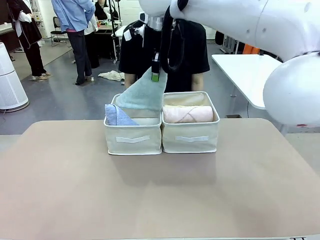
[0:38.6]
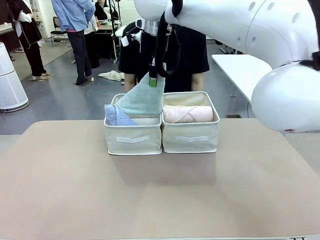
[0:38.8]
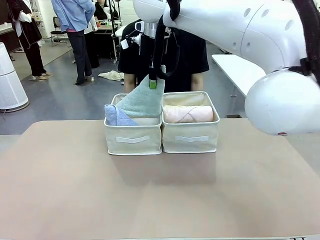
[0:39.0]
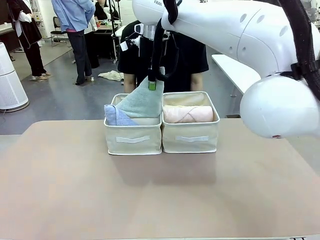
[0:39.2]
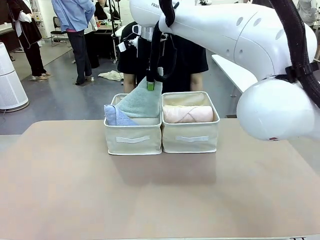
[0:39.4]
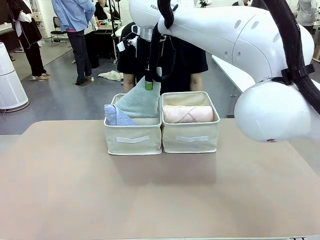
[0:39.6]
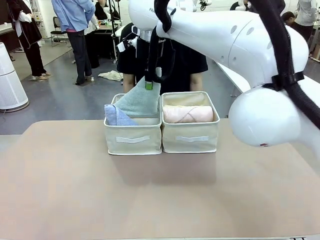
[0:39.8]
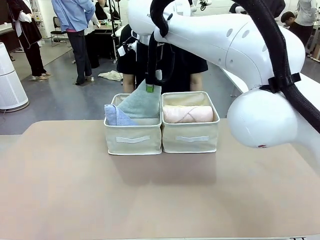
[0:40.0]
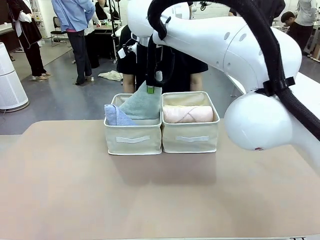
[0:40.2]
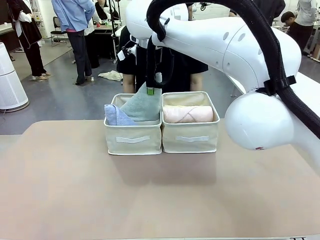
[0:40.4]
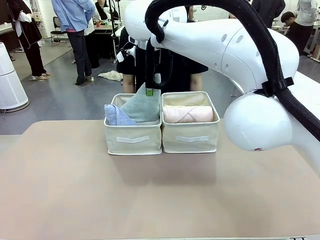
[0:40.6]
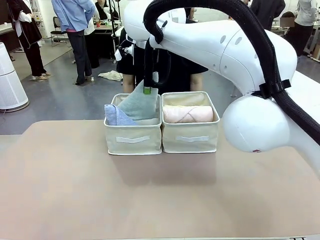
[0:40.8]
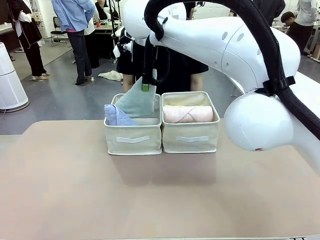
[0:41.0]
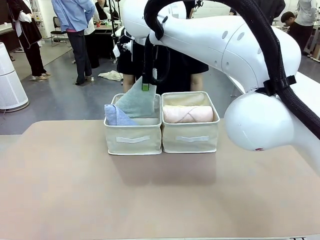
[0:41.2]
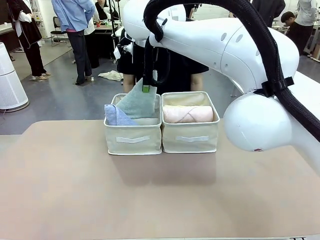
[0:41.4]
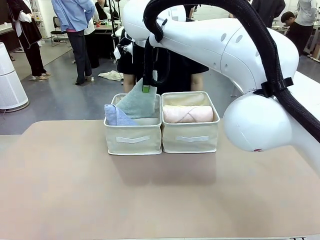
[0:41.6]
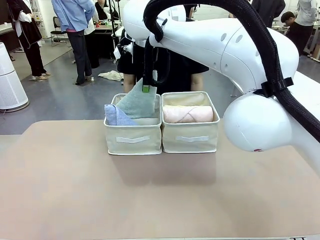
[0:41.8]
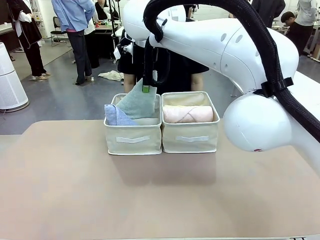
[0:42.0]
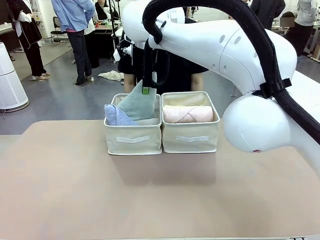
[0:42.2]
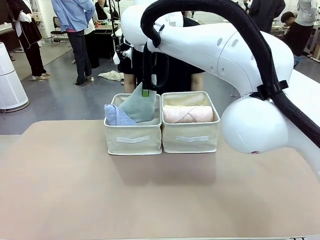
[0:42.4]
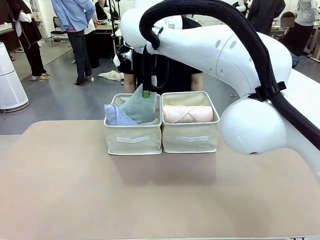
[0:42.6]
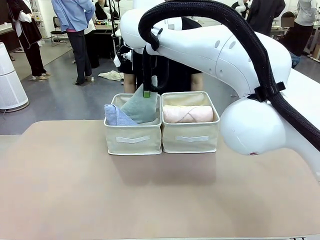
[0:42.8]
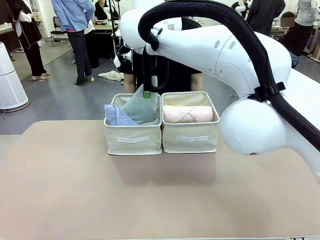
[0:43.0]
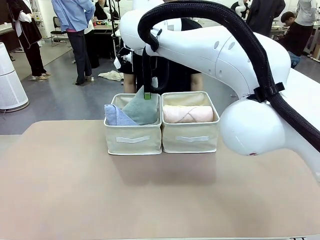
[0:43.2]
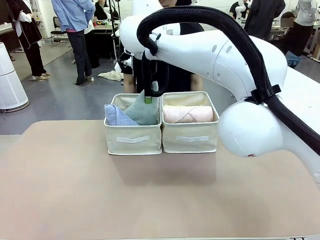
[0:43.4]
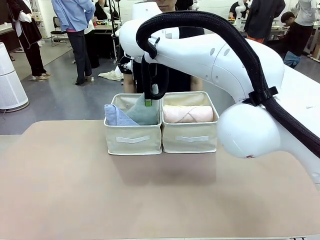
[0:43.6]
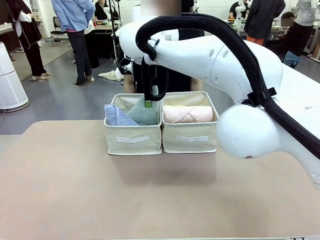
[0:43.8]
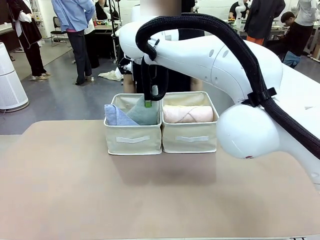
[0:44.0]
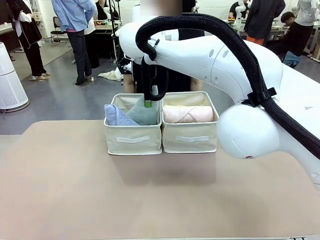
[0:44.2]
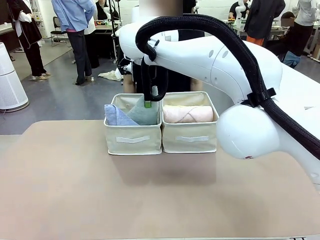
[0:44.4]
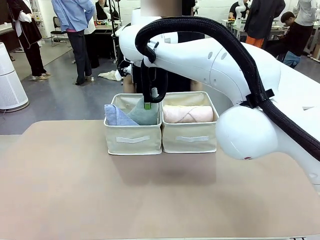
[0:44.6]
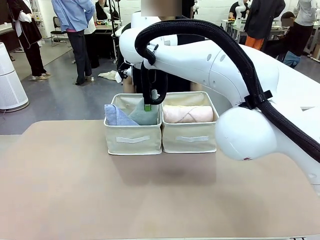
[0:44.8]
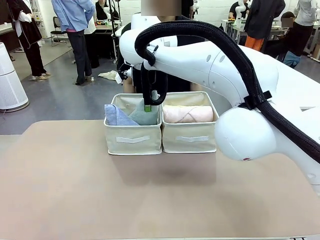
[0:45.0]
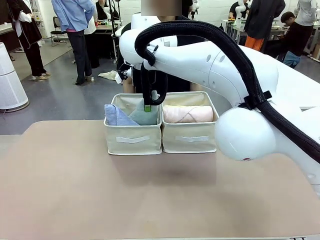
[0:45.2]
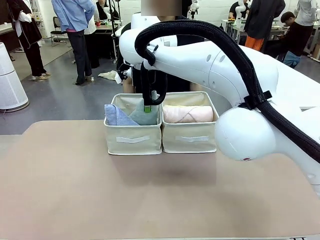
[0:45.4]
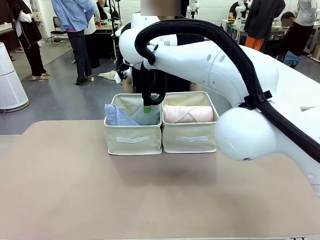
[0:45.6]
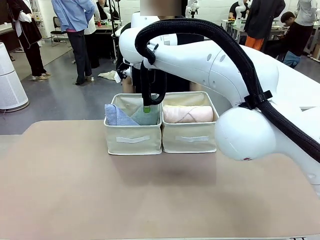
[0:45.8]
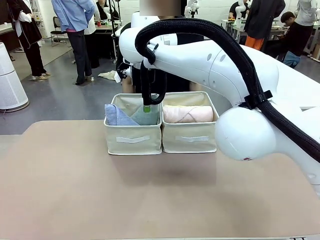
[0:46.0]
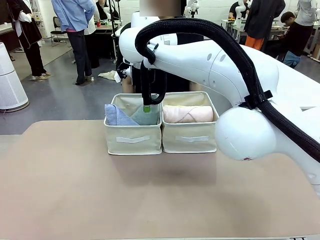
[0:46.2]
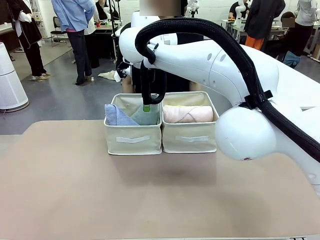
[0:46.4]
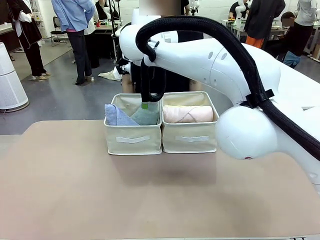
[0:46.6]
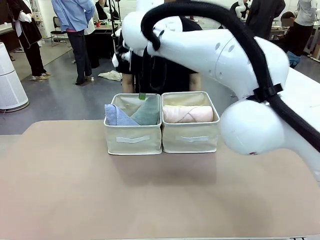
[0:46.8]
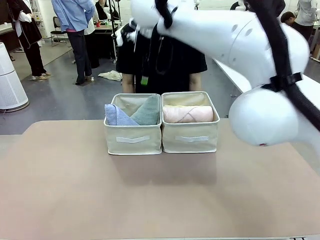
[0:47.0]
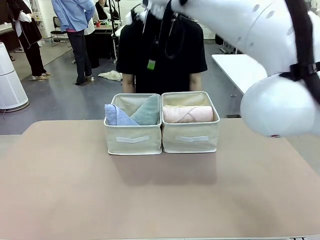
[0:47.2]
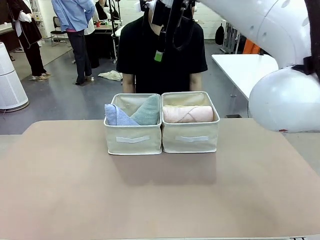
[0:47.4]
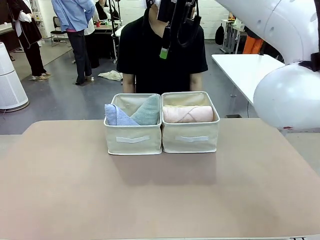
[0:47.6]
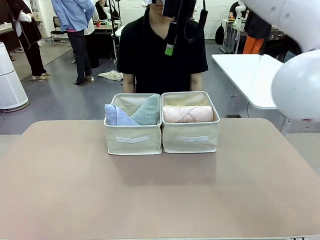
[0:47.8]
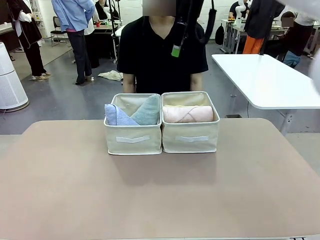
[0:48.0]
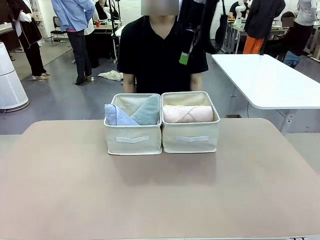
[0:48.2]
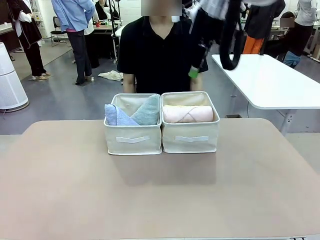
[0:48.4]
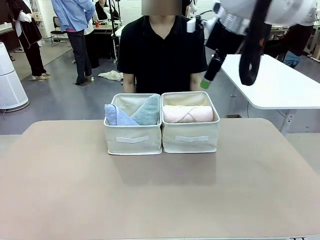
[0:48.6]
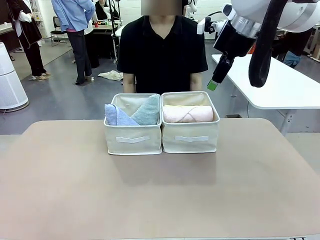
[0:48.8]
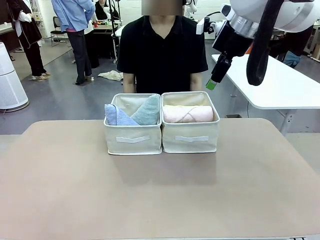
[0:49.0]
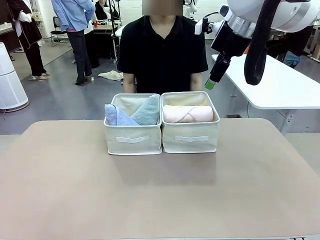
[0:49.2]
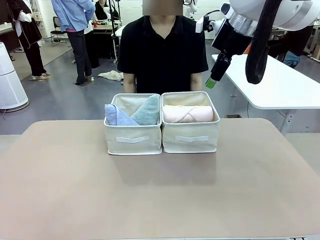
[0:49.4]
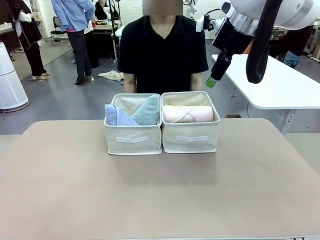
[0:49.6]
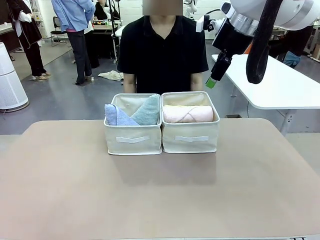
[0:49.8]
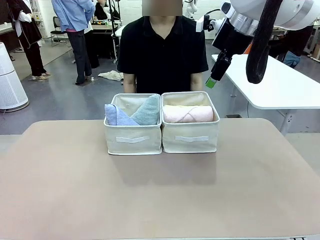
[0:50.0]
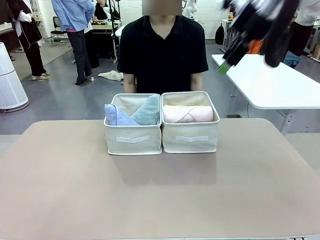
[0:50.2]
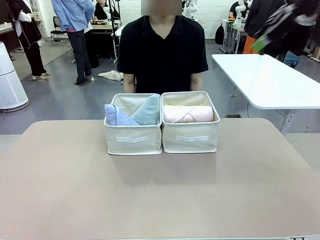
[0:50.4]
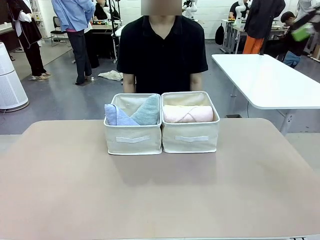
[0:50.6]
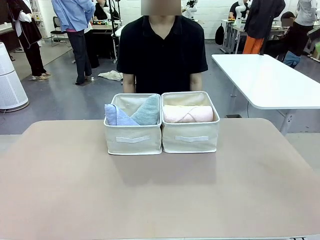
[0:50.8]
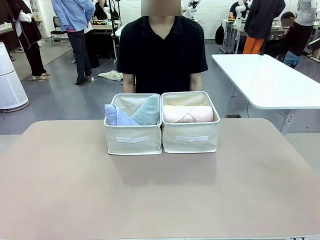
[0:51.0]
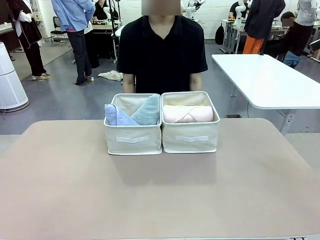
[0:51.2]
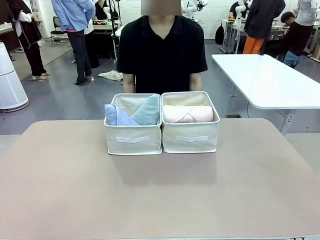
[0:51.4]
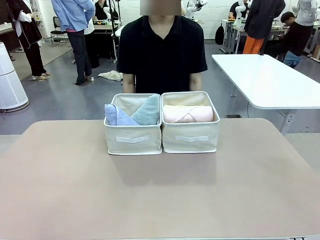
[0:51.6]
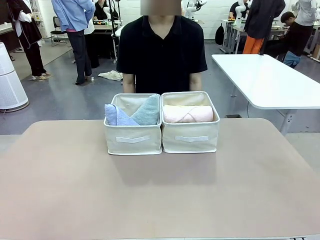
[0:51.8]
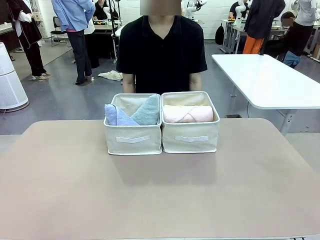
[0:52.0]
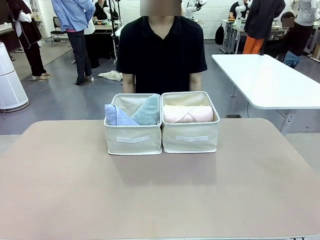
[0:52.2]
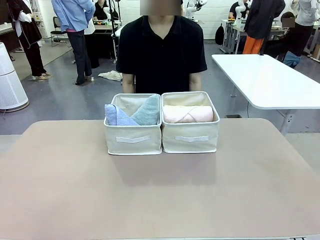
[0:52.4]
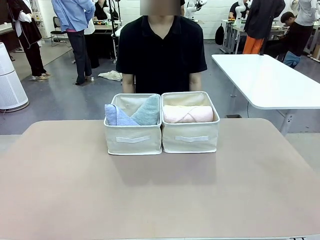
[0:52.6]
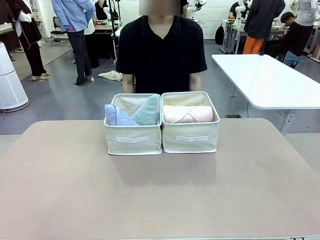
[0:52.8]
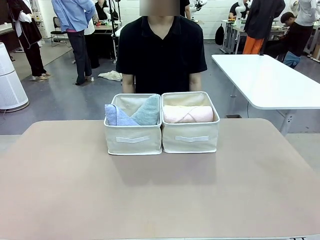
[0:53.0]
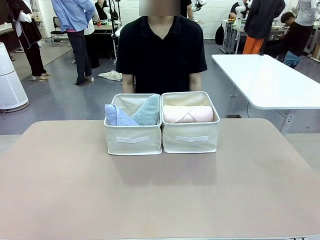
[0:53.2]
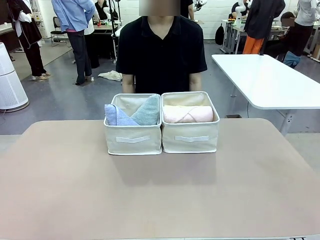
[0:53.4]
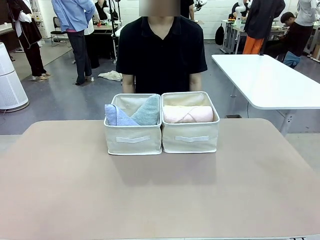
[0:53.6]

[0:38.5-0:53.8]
Task: Sort the towels based on their folding style.
Robot: Pick up another triangle-folded towel from the table and place it in the left Fabric basket.
